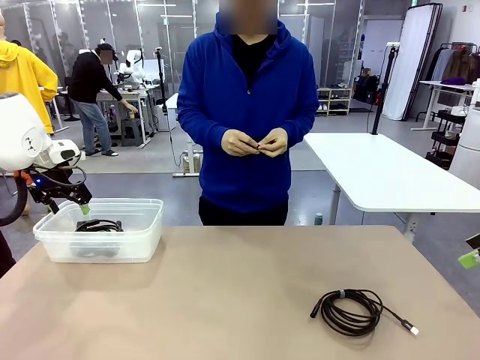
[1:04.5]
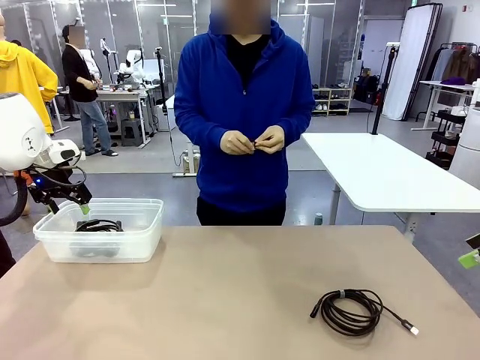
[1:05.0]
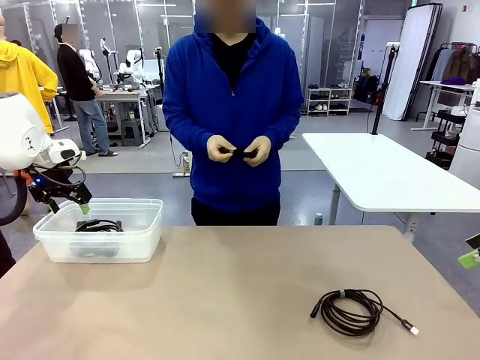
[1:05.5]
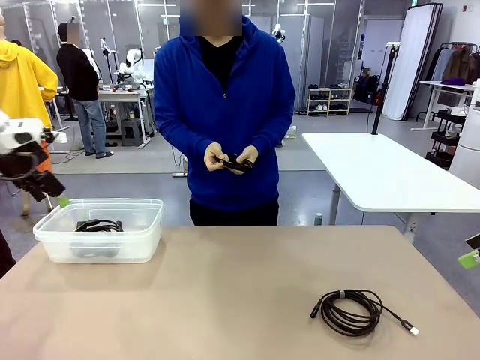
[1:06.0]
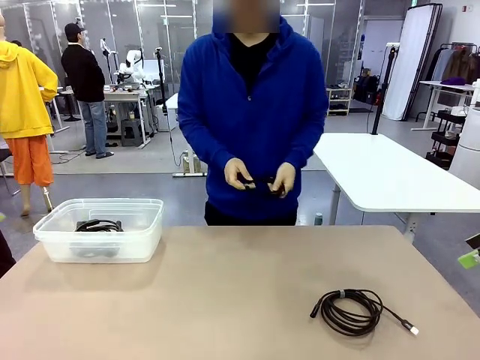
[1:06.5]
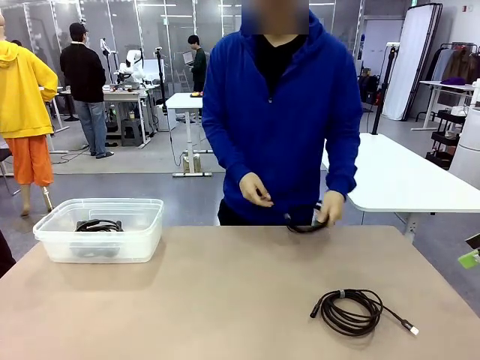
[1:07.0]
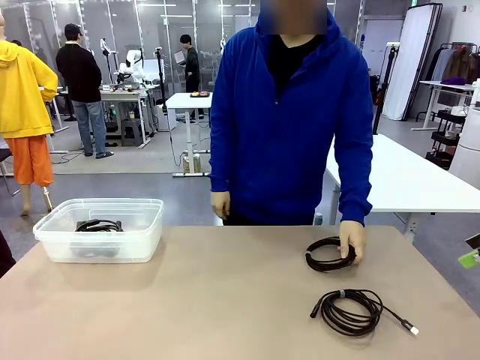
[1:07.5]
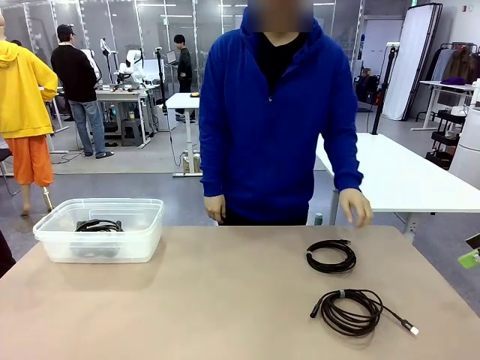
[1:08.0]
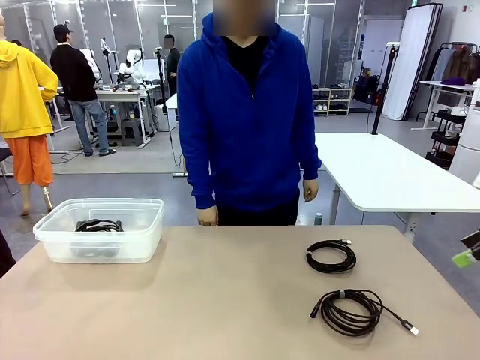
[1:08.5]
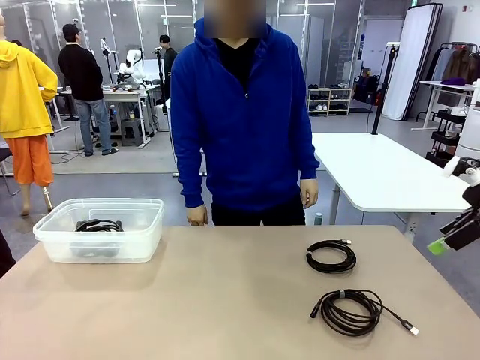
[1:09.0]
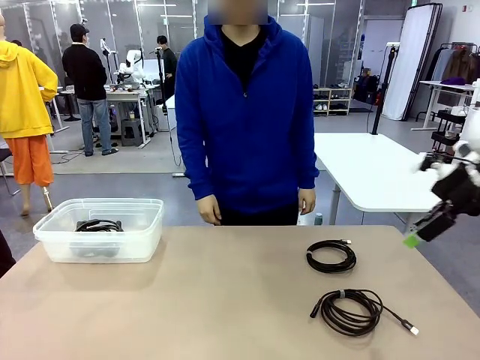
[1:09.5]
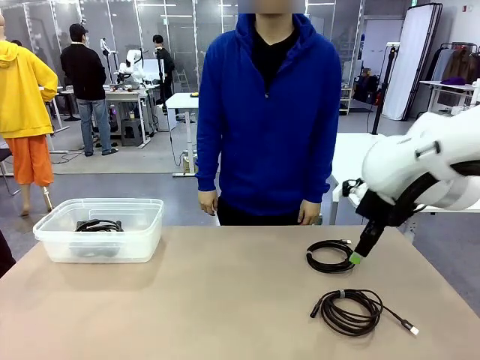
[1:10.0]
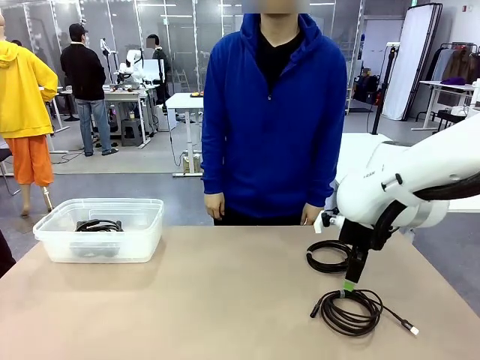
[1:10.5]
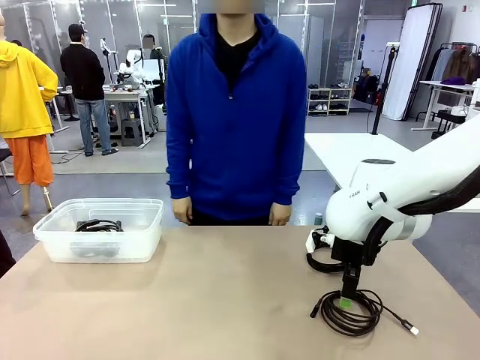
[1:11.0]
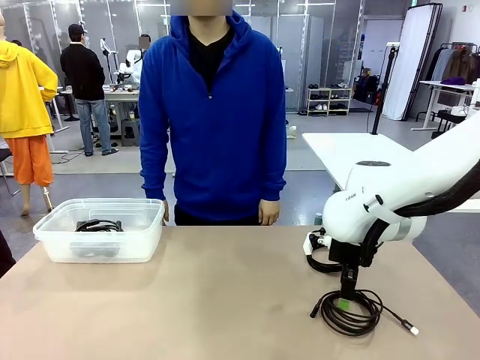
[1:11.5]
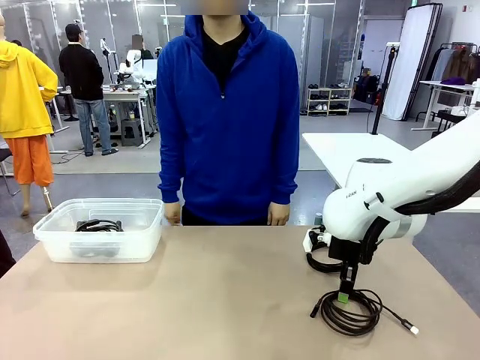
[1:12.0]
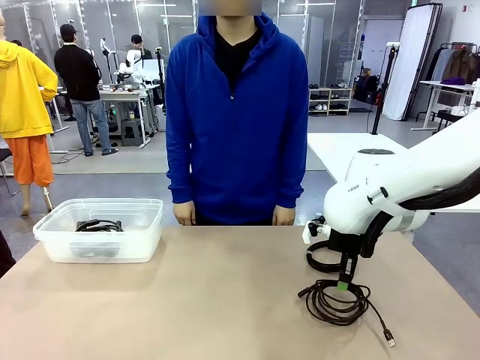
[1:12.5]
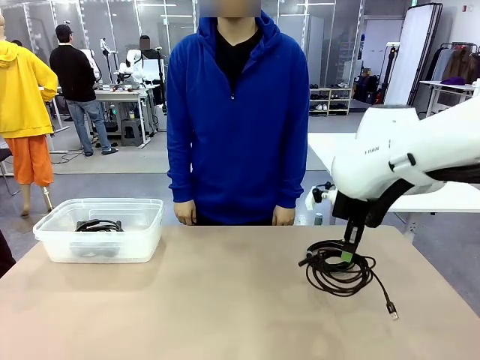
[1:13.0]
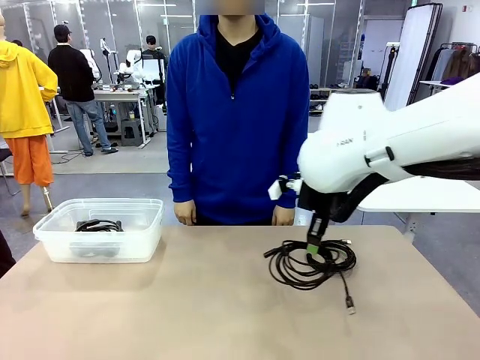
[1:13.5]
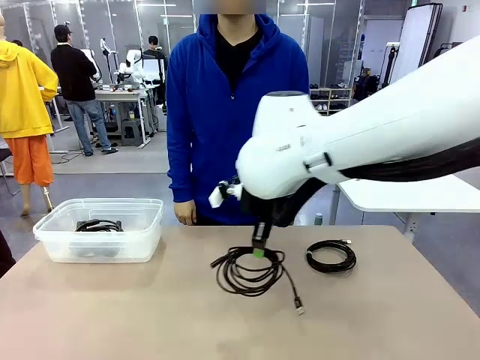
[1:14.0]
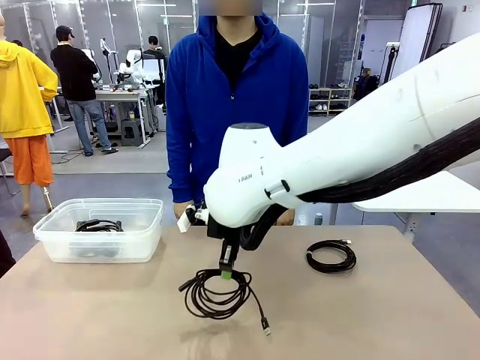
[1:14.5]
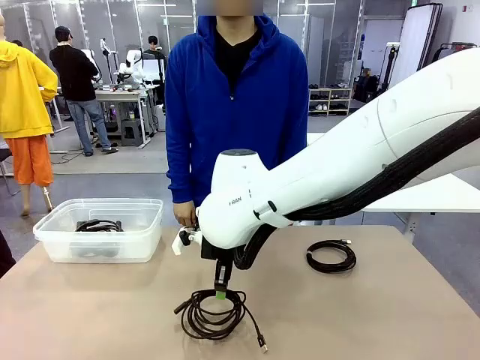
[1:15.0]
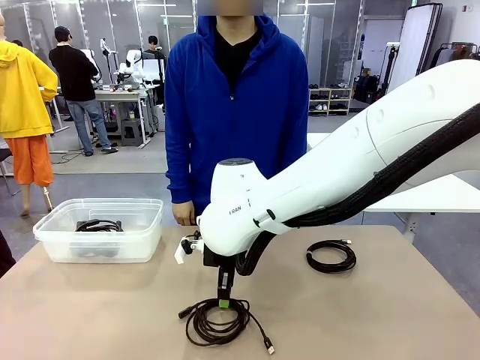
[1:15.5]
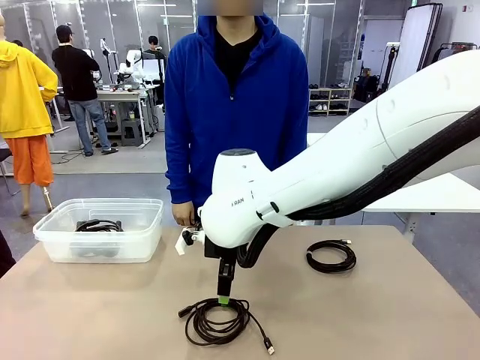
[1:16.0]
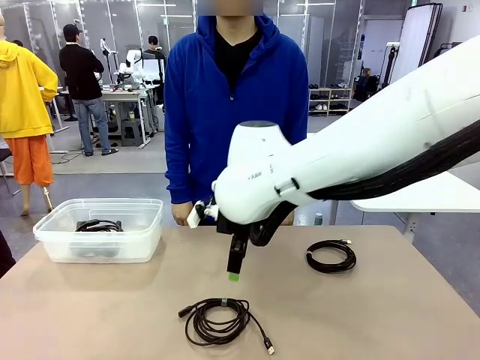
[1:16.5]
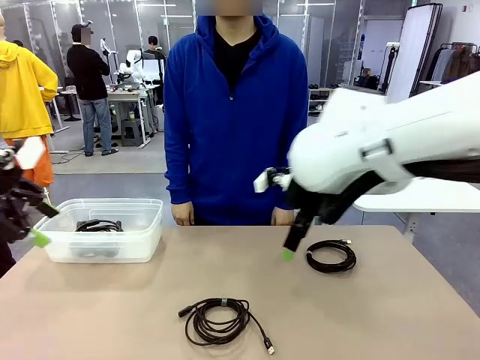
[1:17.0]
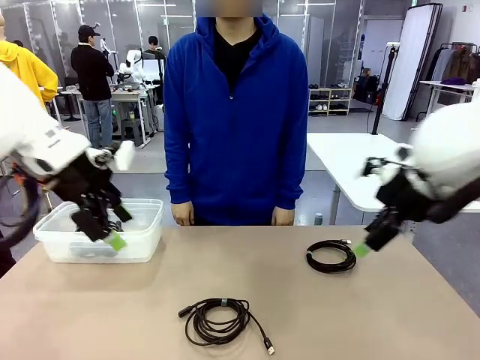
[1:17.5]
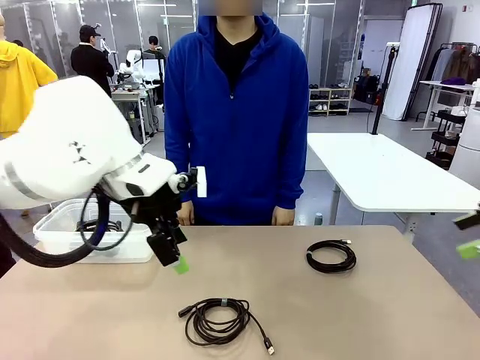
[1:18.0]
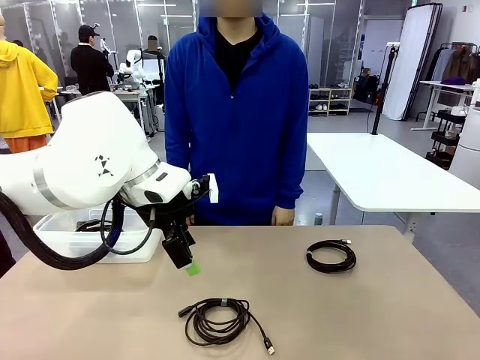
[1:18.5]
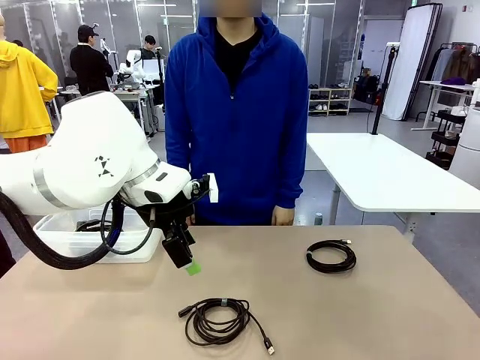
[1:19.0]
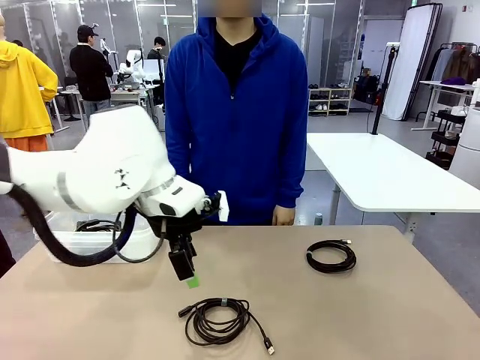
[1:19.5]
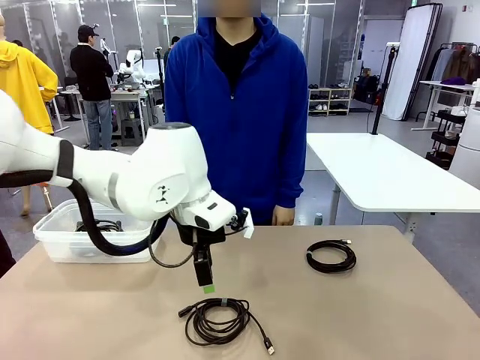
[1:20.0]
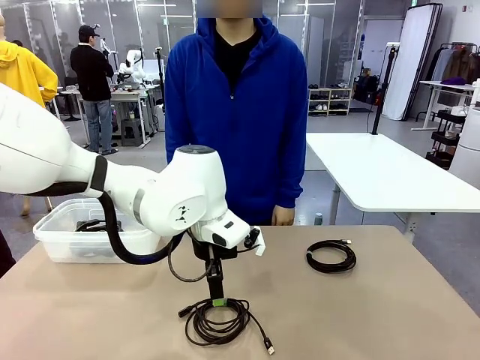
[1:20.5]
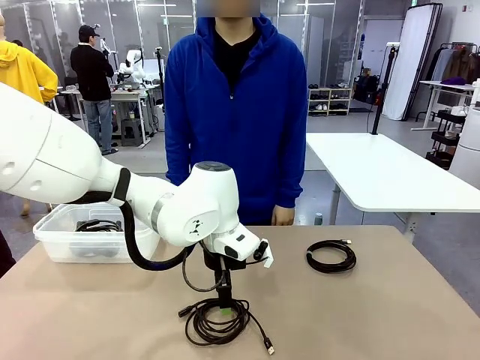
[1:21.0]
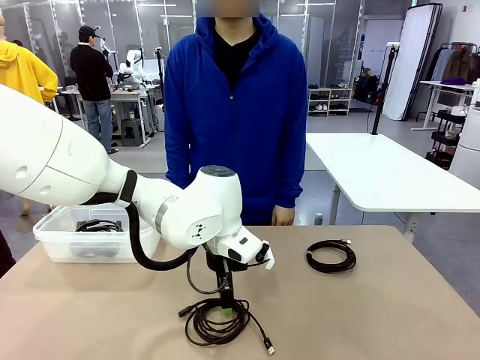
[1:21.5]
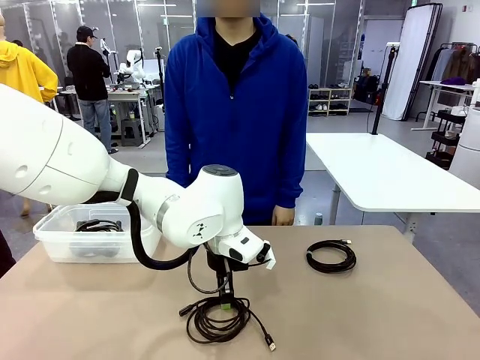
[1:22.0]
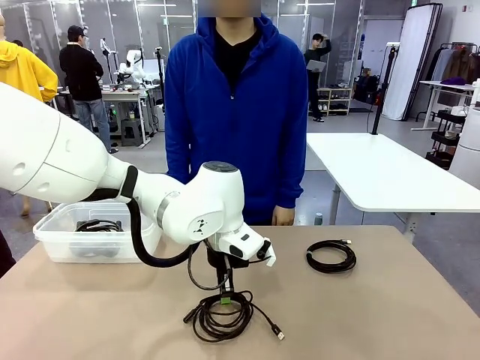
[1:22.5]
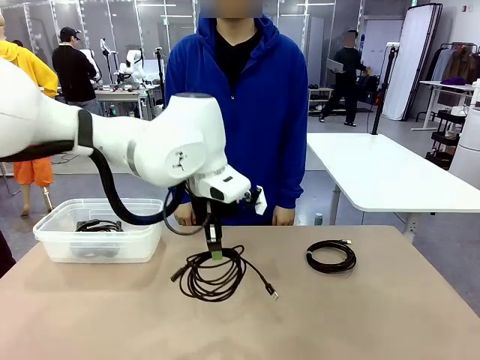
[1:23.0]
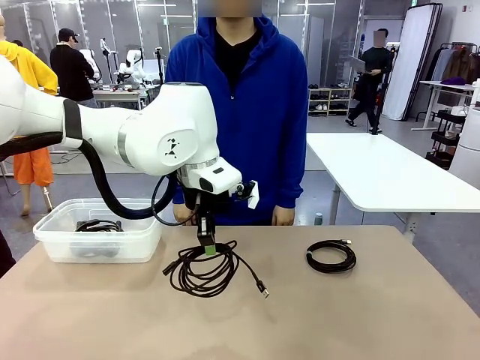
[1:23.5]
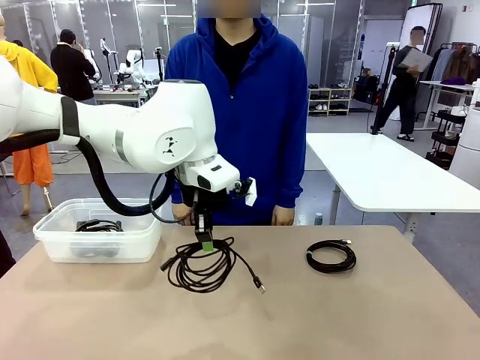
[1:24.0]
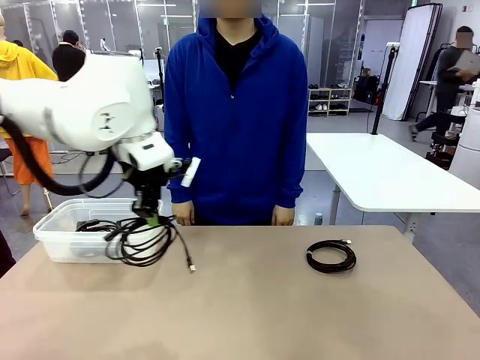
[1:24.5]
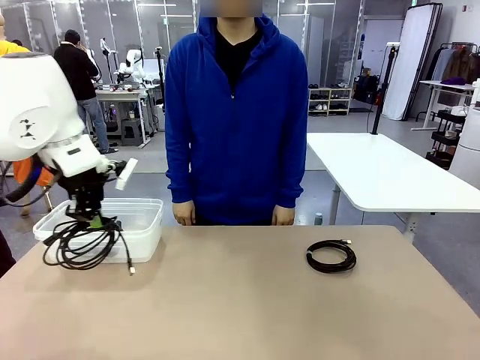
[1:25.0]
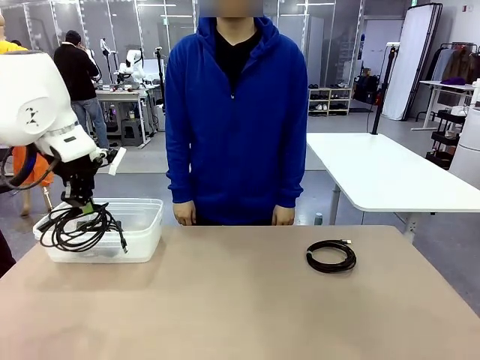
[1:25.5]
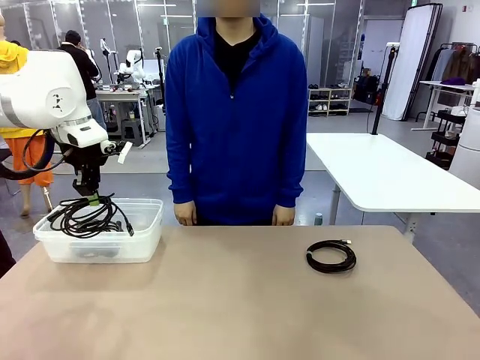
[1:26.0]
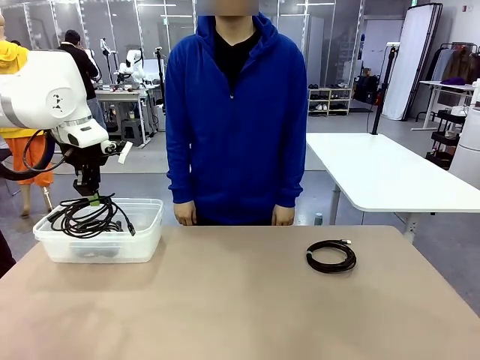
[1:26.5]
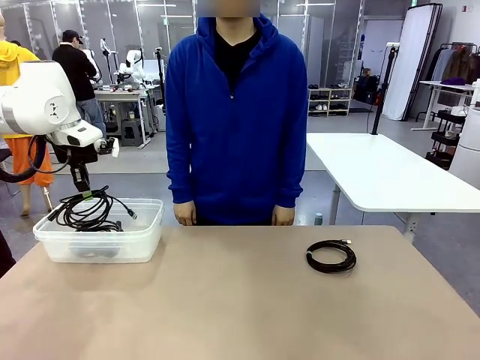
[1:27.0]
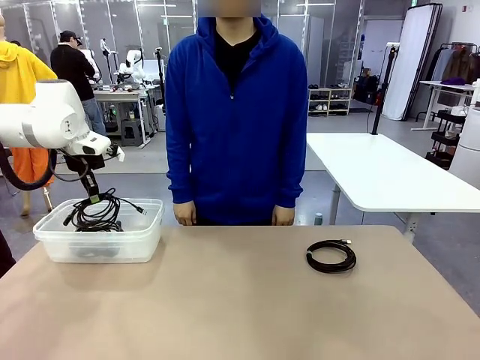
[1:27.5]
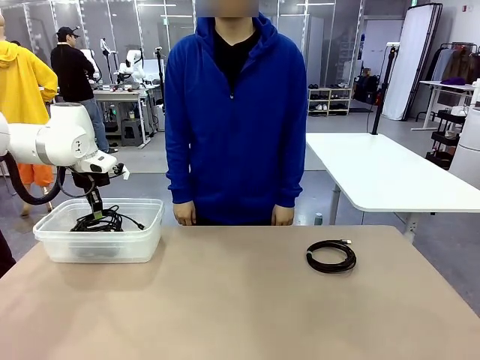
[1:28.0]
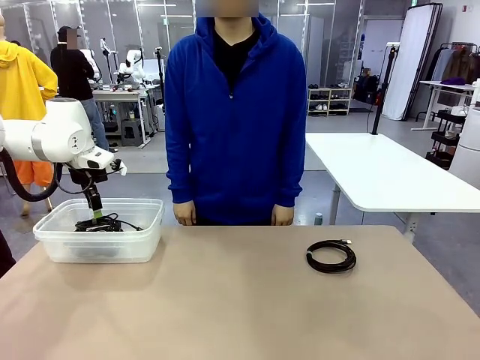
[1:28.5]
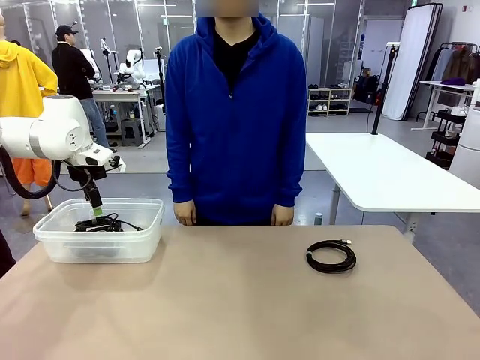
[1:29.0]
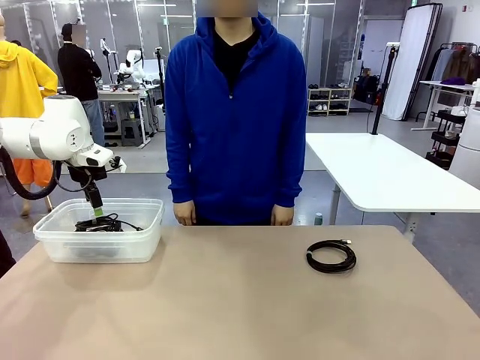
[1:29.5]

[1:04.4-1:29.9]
Task: Organize and store the cables.
Robot: Place the USB Extension Cable into the Organizing box.
